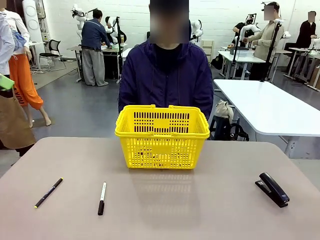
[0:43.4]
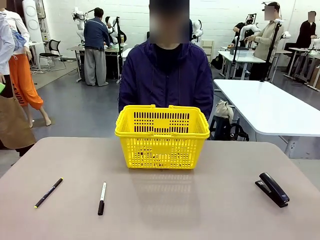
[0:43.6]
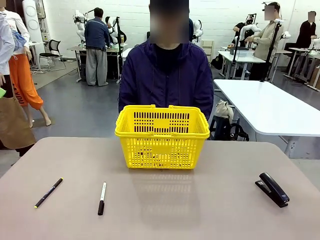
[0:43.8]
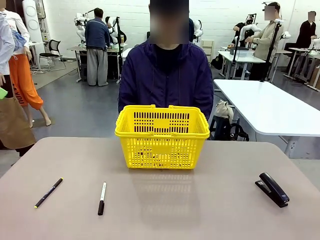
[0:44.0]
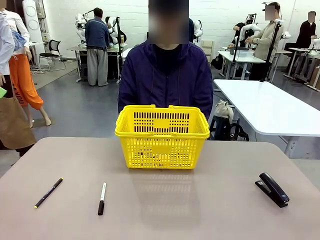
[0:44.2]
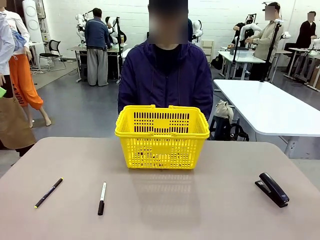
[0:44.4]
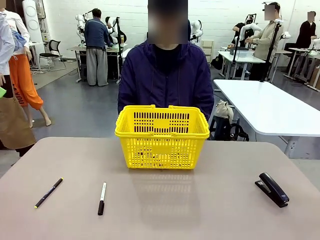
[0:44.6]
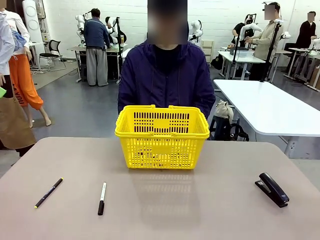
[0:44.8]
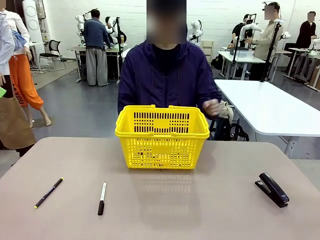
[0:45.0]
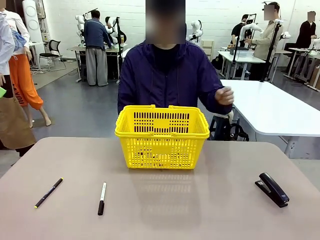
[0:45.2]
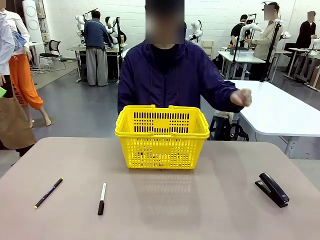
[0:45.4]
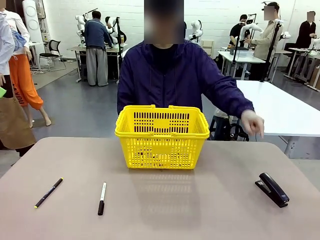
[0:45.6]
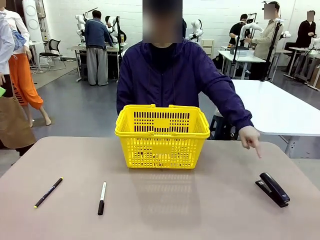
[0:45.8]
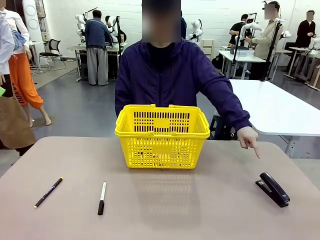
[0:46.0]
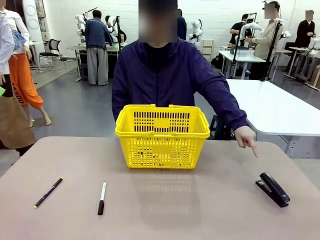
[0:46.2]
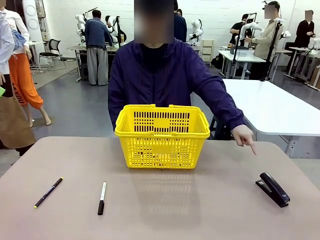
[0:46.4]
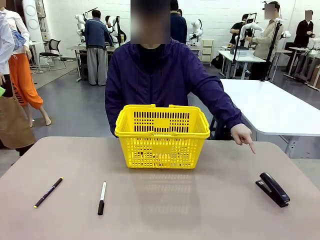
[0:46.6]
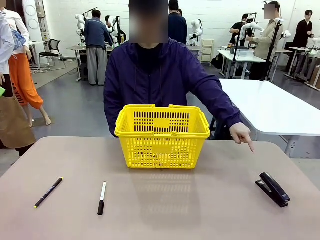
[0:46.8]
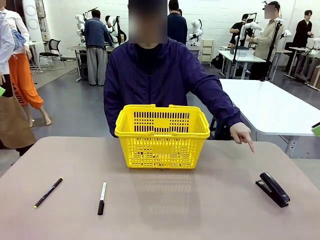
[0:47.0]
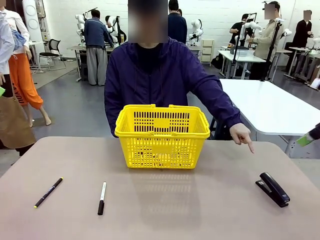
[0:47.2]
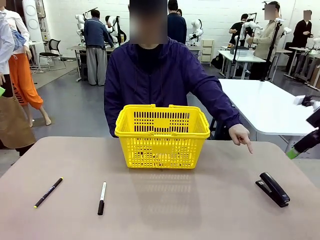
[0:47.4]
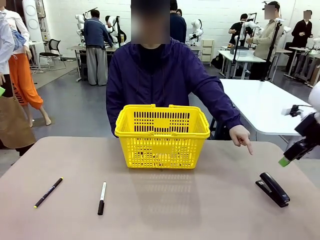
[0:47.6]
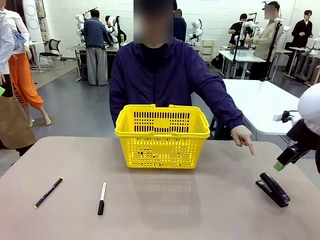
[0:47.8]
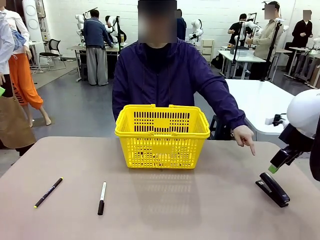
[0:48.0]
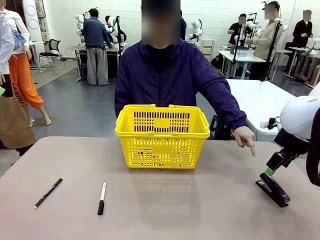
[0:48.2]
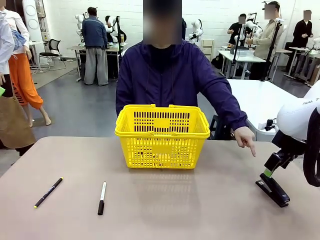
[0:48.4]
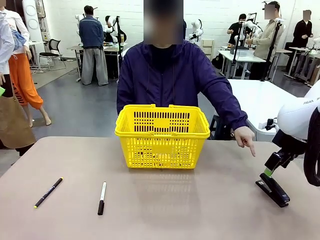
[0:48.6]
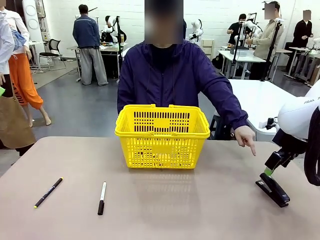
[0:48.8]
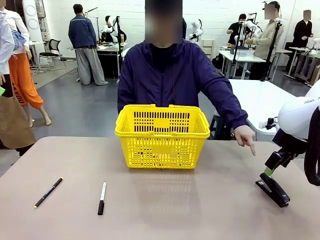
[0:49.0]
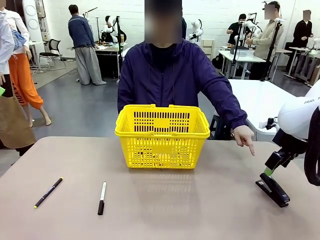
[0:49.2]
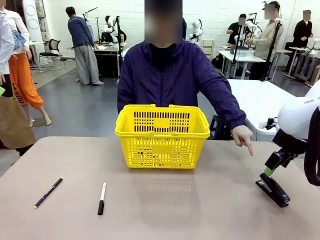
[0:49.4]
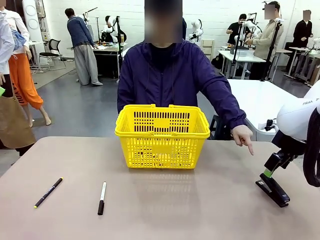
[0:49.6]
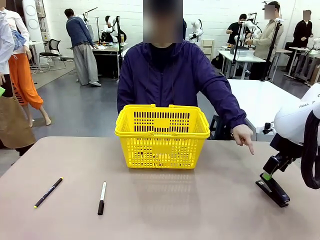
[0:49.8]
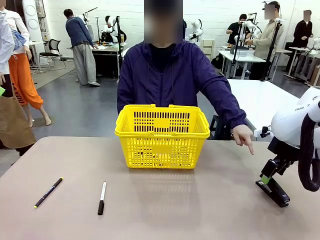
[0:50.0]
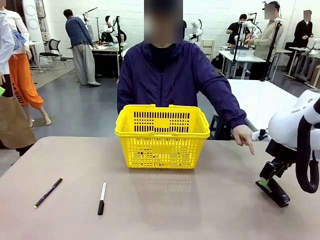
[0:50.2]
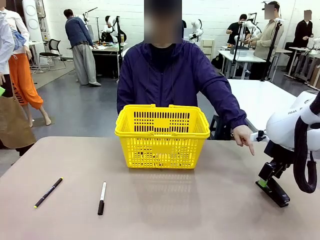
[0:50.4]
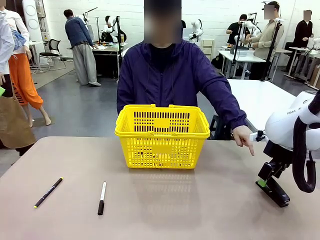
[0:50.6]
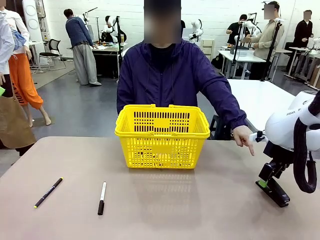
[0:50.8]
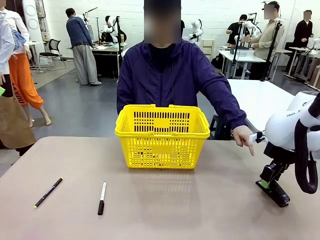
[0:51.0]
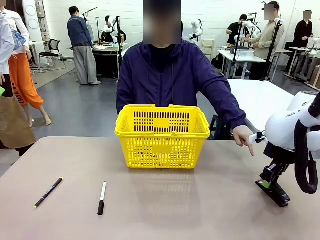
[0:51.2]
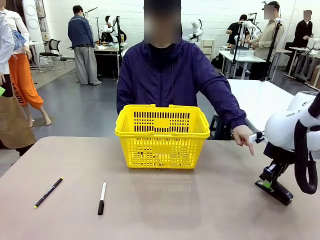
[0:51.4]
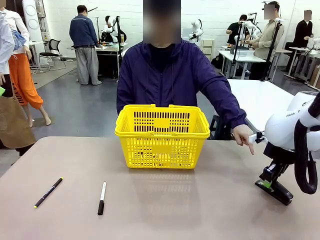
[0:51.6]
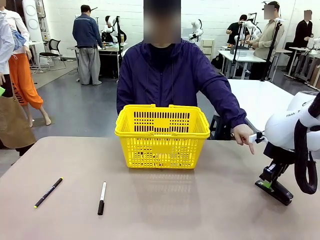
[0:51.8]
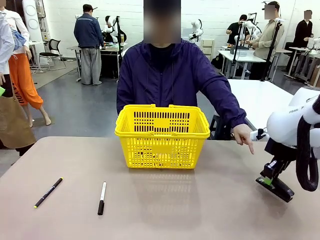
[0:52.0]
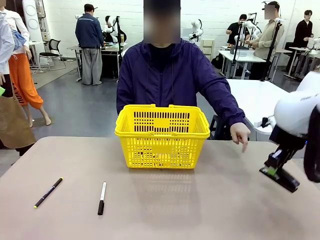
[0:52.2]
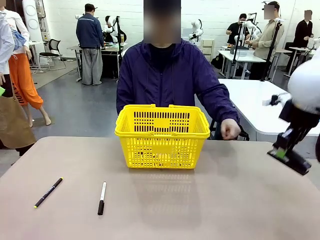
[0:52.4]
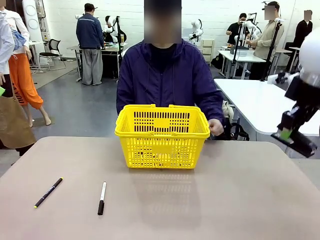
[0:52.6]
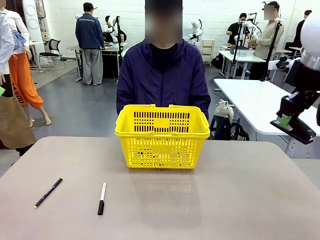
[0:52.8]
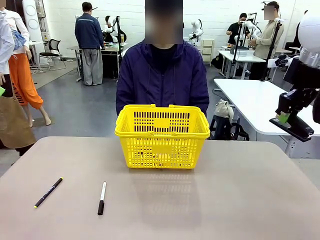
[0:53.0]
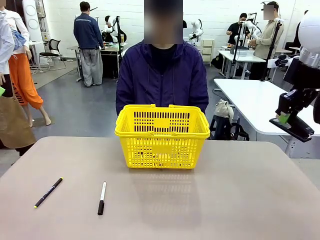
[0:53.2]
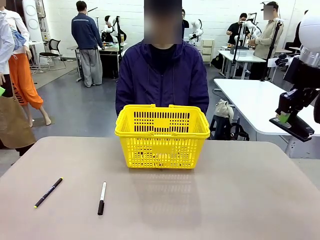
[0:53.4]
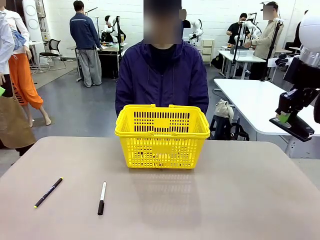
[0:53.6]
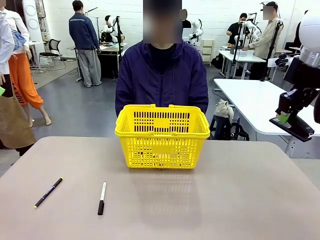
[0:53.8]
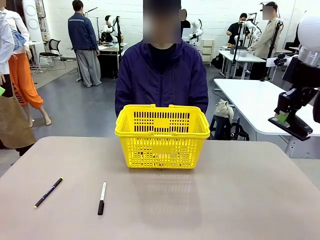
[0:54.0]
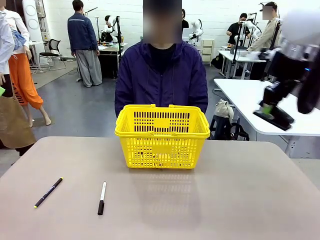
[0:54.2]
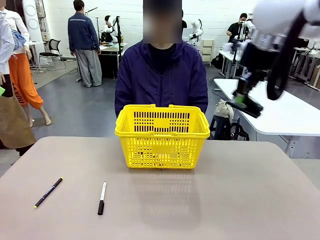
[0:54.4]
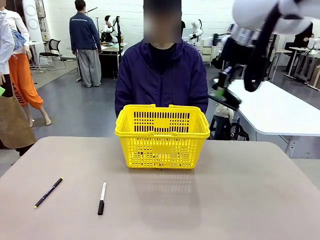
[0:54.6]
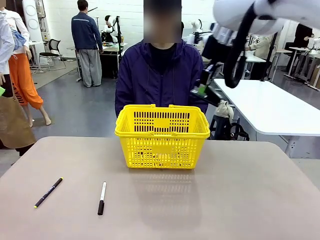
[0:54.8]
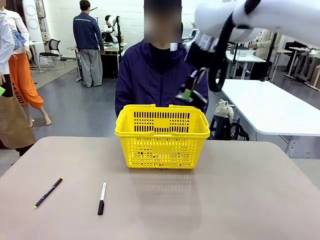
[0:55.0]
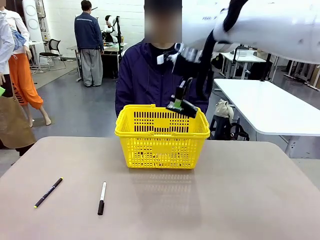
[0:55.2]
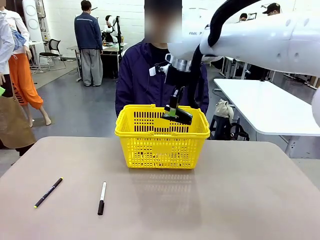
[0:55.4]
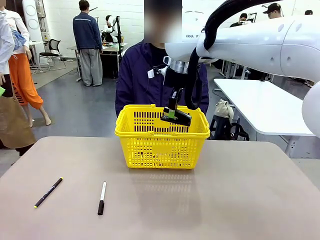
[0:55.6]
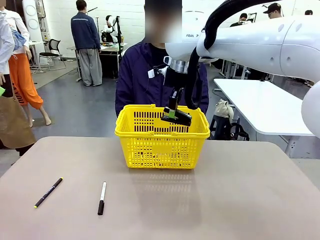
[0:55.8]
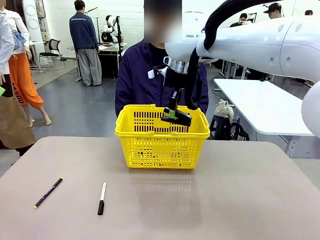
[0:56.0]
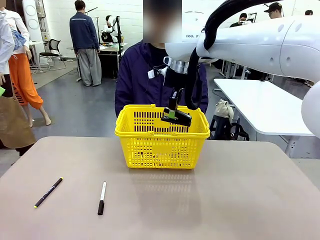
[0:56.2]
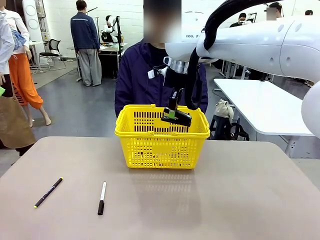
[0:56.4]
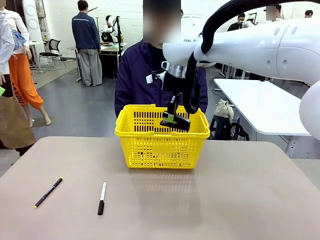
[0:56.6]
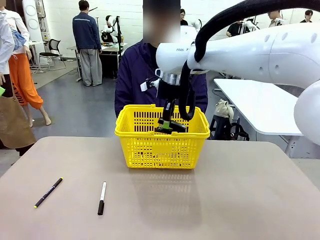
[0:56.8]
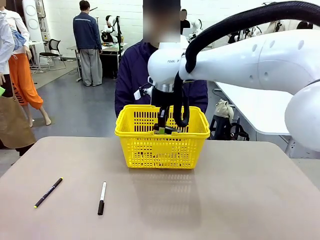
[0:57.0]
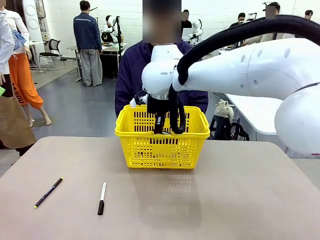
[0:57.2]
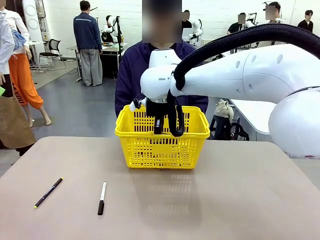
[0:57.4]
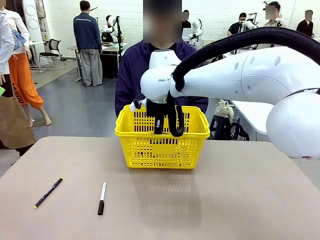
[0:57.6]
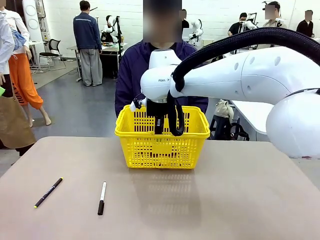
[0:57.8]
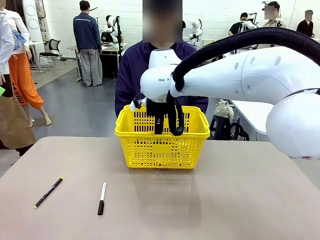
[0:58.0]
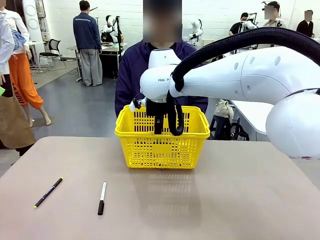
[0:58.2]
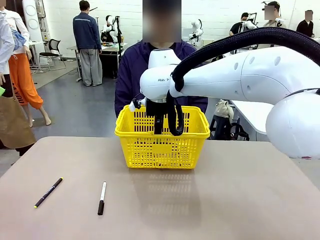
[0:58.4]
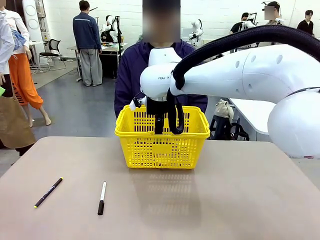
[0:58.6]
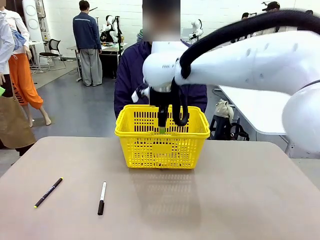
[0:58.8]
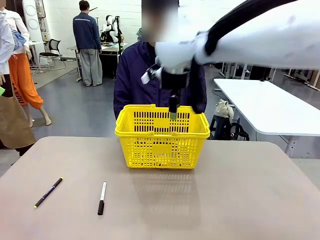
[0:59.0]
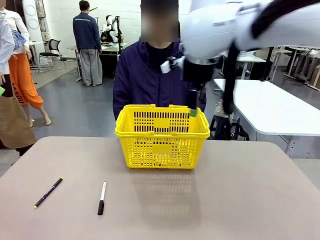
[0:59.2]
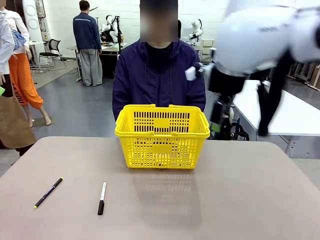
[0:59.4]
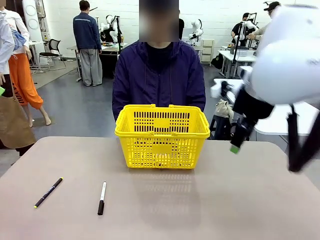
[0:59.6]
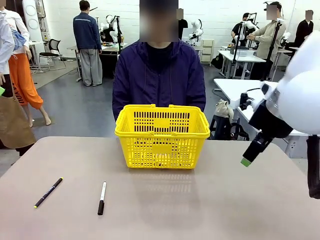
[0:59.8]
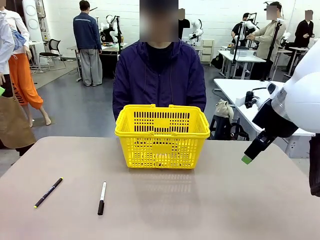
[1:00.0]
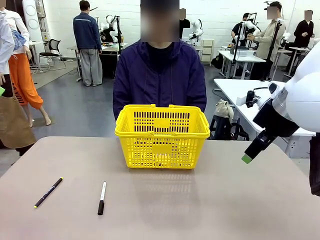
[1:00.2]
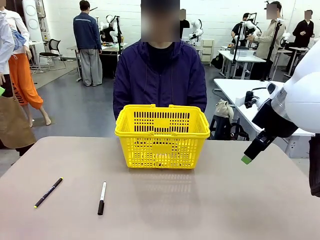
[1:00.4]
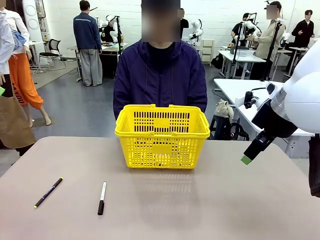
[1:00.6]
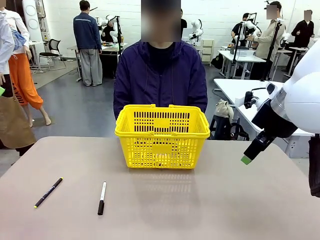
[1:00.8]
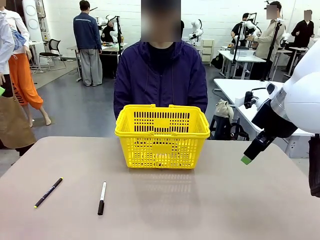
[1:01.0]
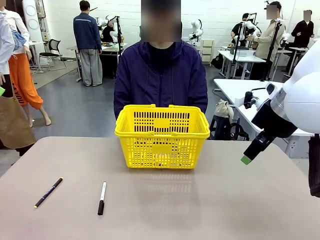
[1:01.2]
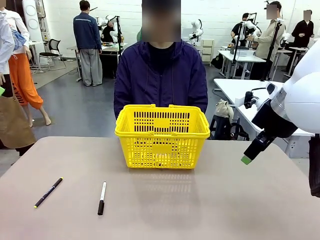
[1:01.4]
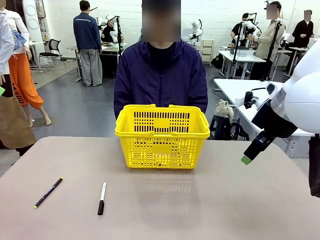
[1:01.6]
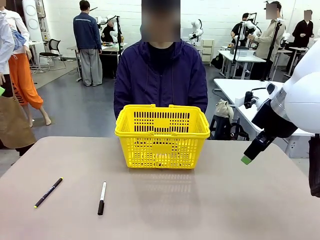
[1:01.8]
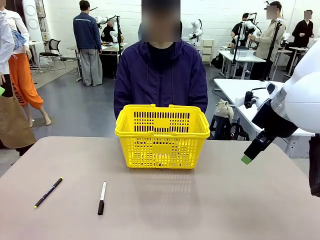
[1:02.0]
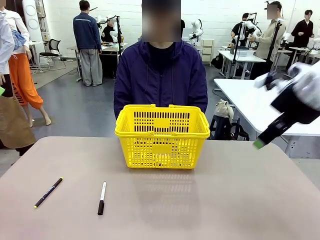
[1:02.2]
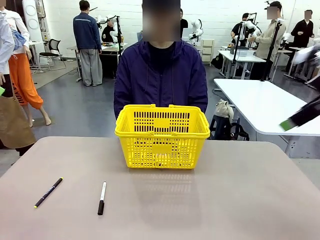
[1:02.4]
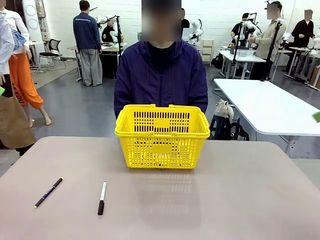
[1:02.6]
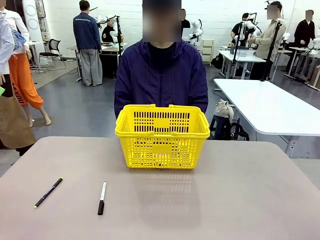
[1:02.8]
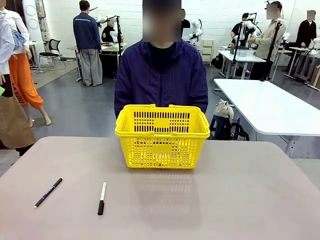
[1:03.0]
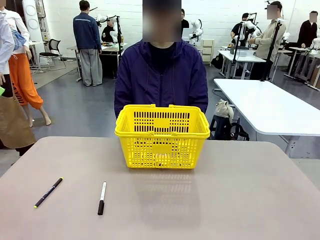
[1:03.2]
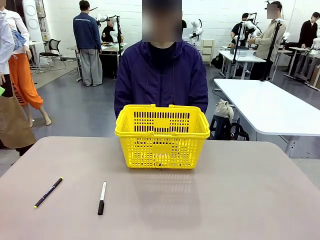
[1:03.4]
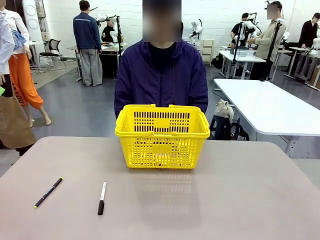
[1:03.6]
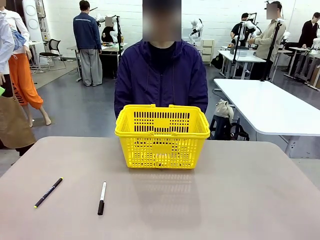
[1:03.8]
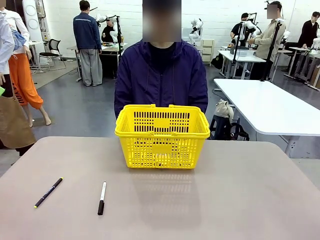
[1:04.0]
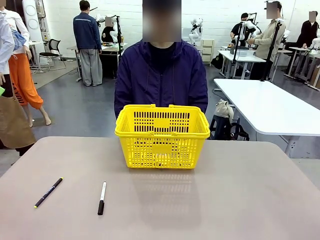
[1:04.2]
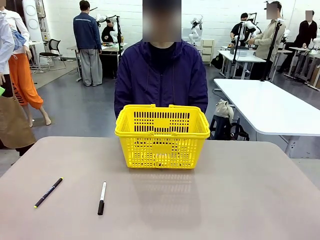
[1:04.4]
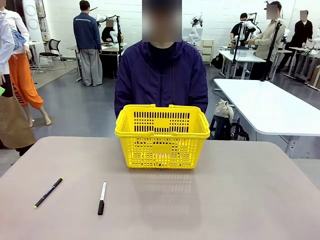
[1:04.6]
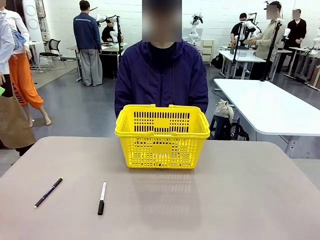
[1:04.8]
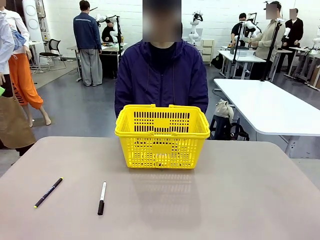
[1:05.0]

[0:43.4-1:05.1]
Task: Place the items the person wants into the basket.
Robot: Pick up the item the person points to and place it in the Market Basket.
